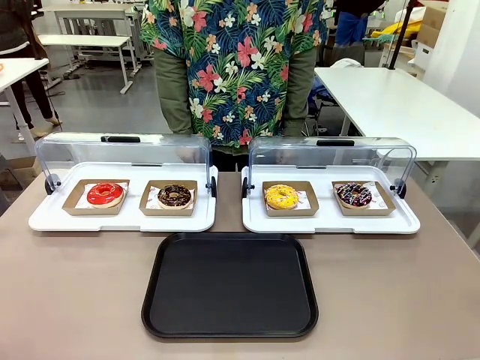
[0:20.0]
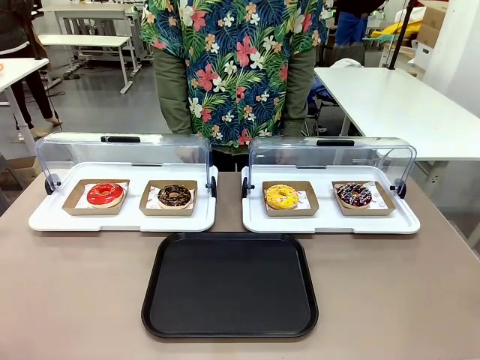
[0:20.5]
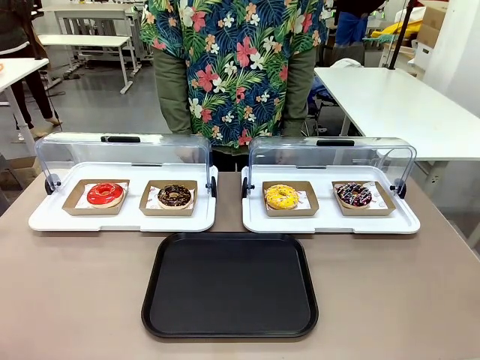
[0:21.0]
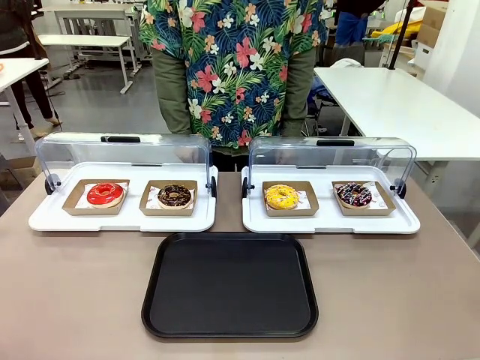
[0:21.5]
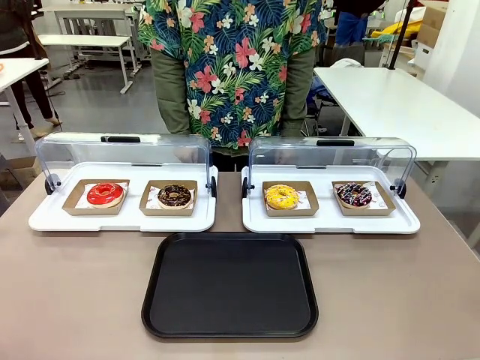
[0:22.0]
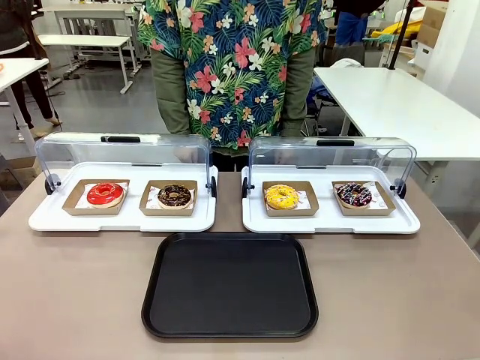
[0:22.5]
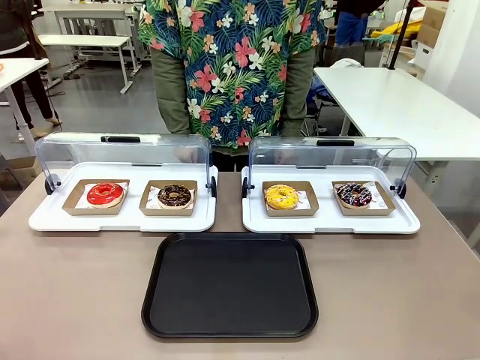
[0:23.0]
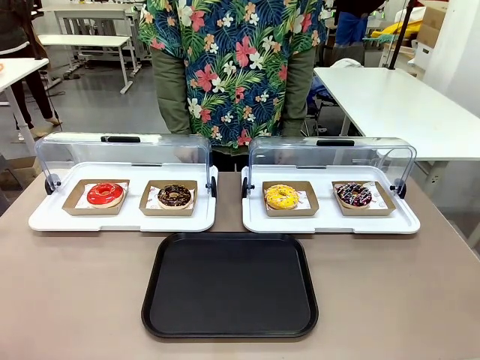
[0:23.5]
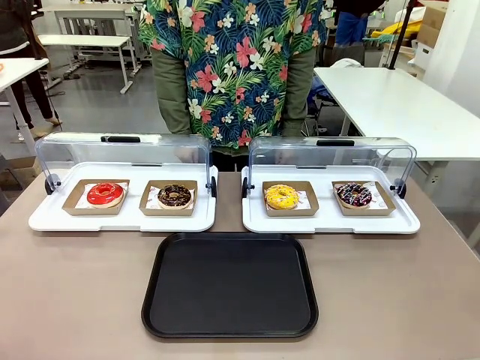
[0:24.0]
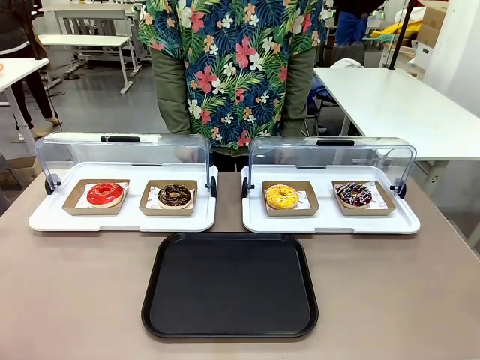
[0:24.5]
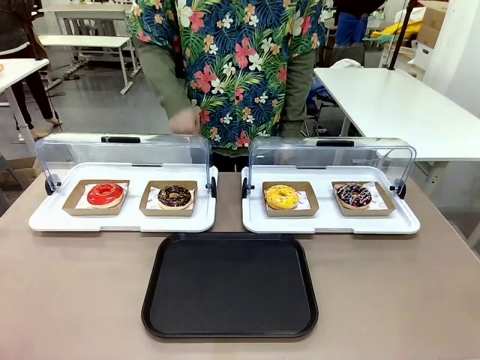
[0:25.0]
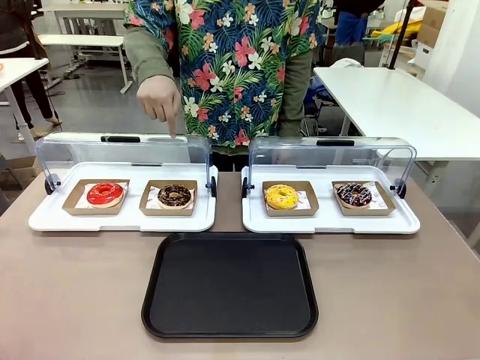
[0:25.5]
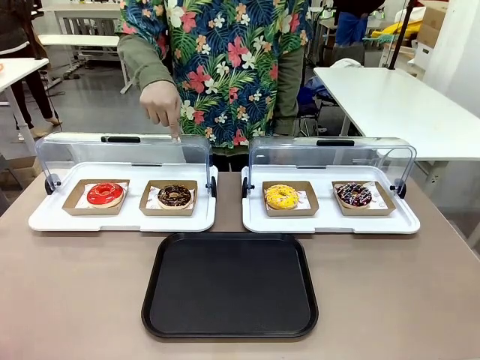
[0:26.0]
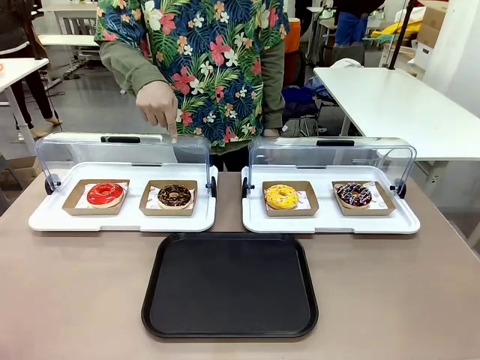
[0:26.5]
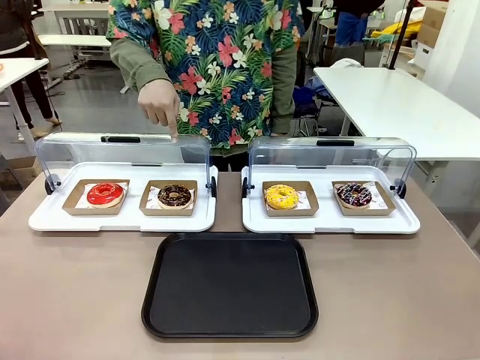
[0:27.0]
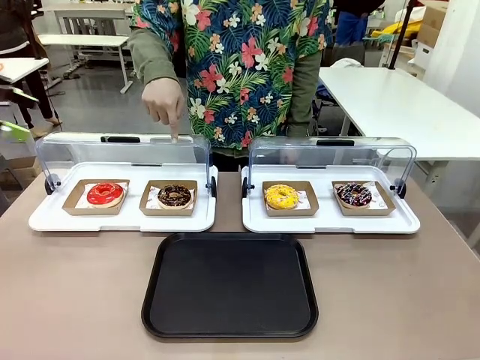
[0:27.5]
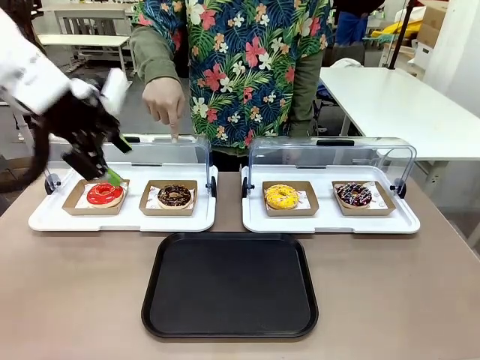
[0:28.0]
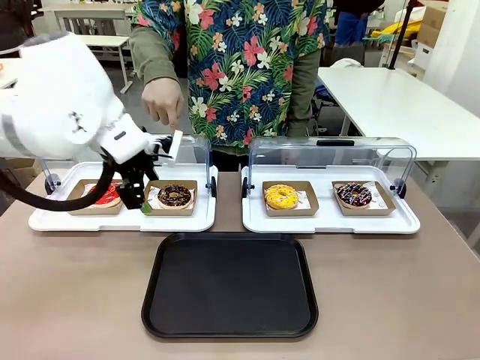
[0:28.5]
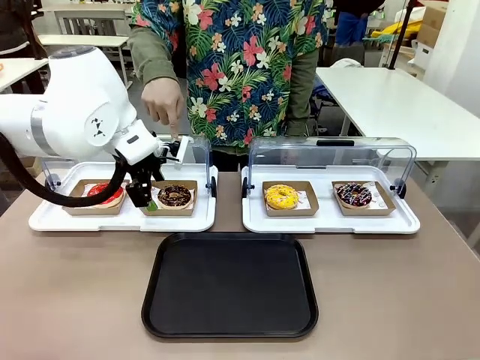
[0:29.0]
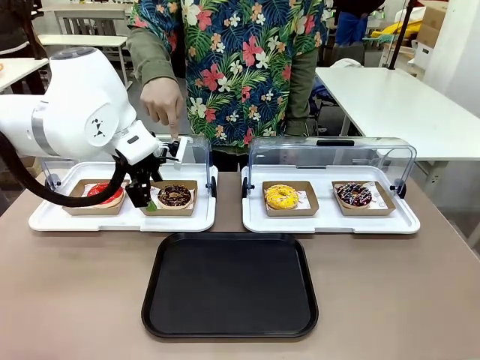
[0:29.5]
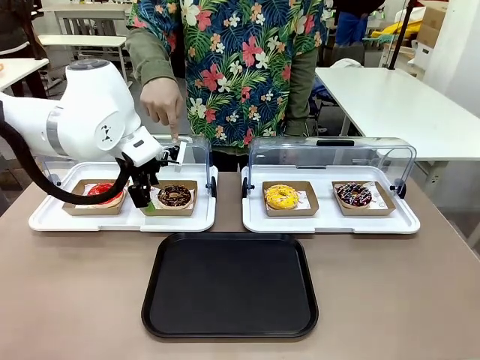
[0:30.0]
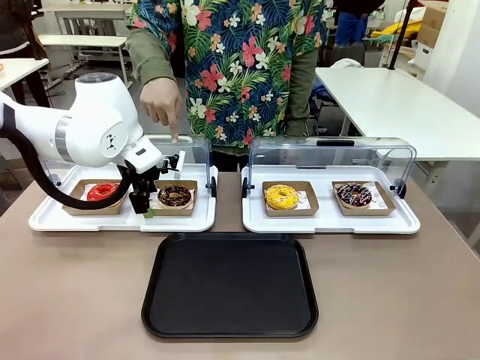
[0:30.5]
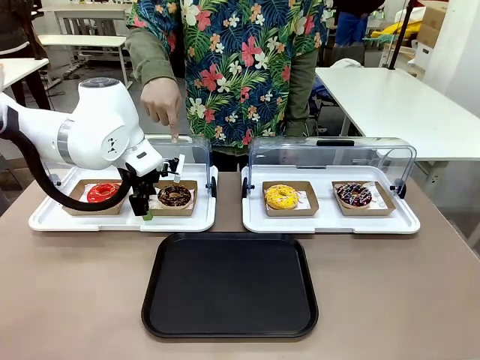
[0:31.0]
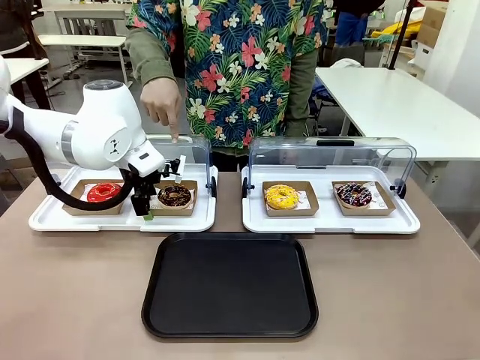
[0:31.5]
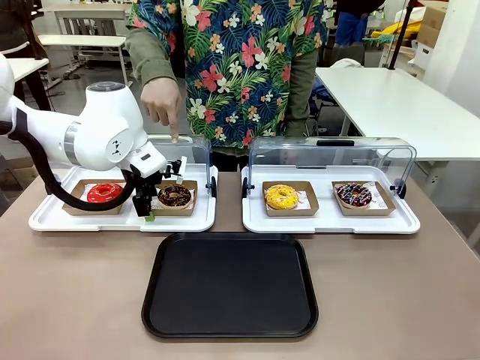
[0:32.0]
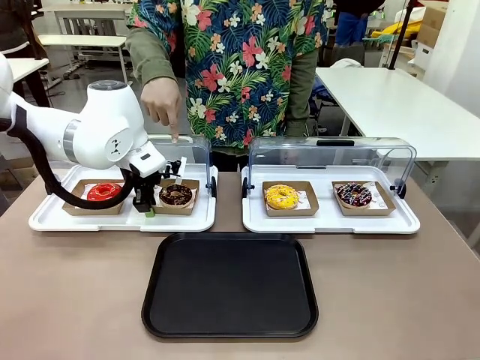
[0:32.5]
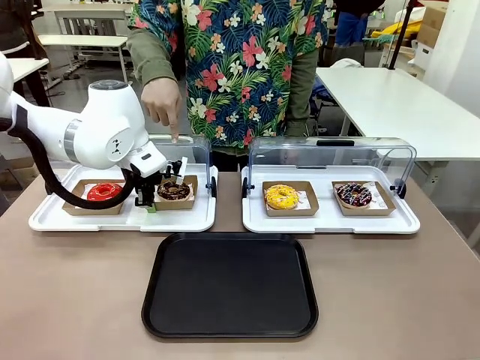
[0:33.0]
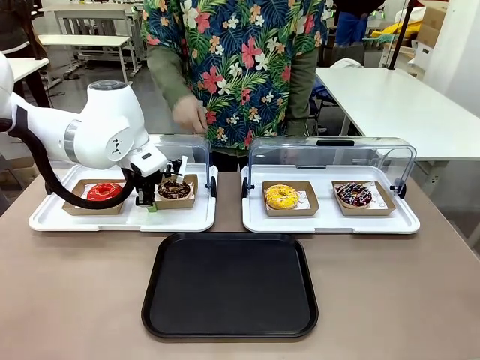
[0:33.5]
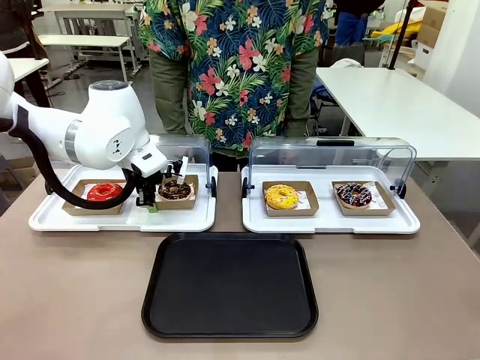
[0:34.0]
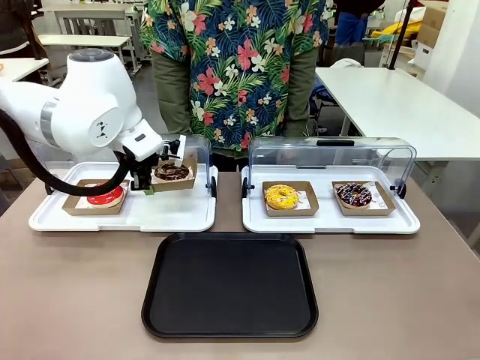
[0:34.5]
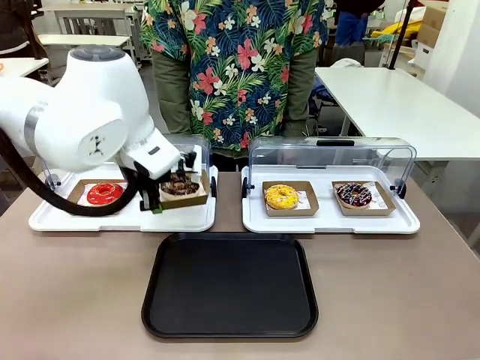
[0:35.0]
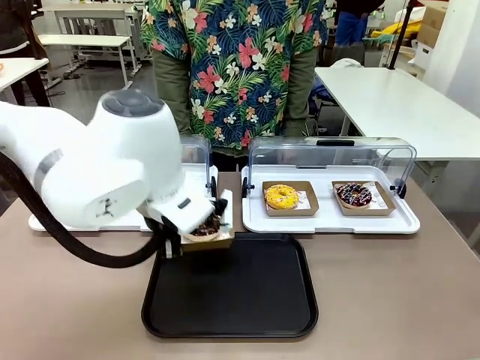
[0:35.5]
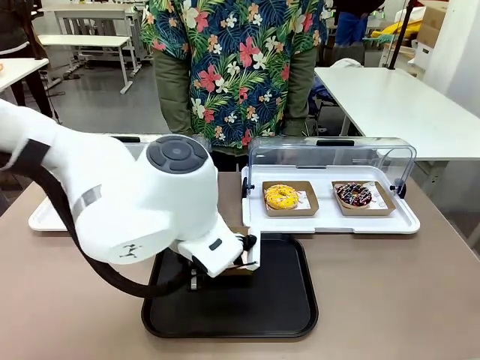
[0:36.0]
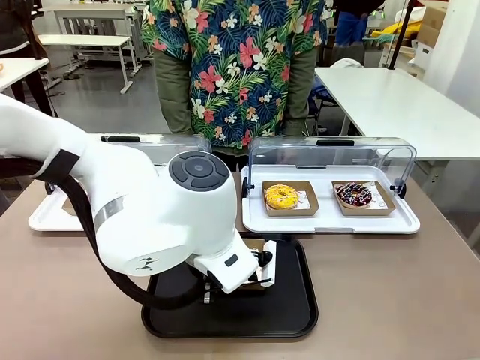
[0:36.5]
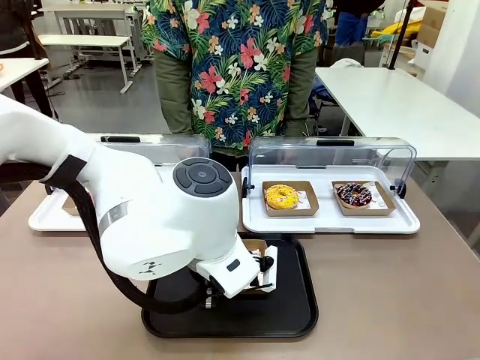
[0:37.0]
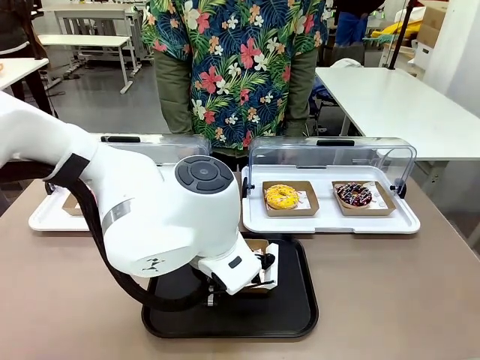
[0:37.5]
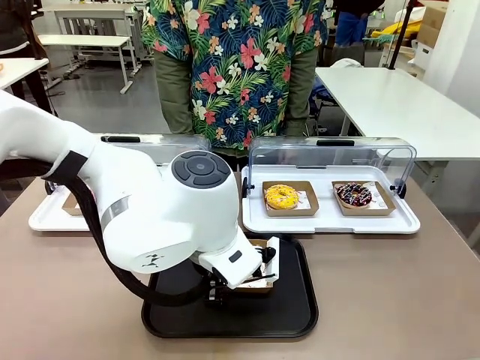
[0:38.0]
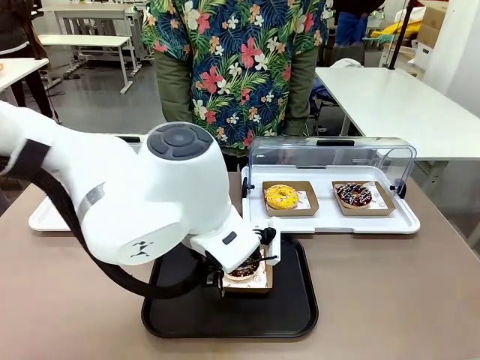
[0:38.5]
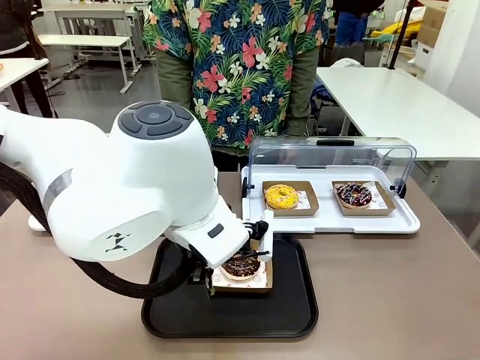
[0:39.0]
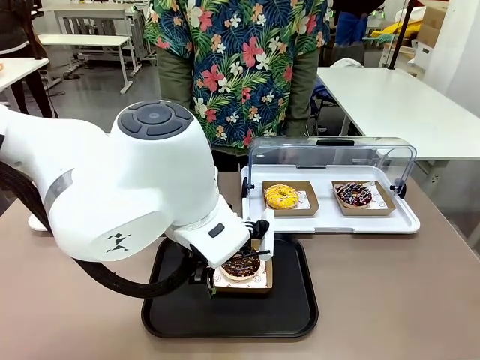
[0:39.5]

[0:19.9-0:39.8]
Task: Move the second donut from the left to the tray.
Robot: Pick up the Paper togo box containing the Donut indicated by the person and place it on the Handle tray.
